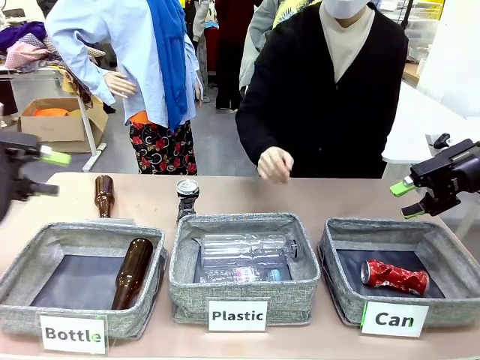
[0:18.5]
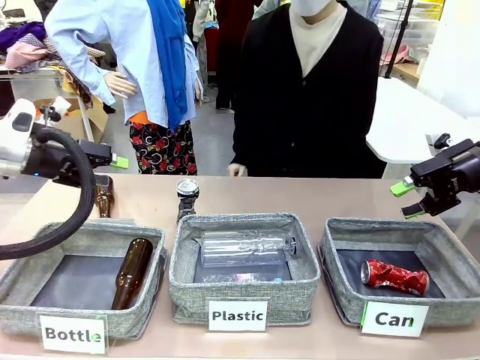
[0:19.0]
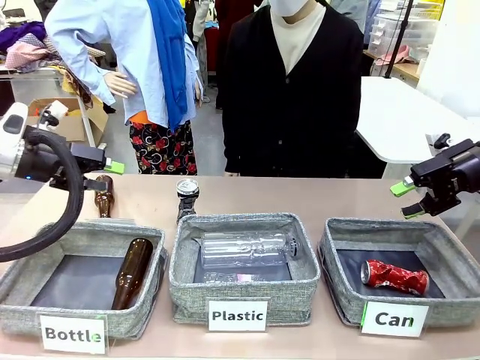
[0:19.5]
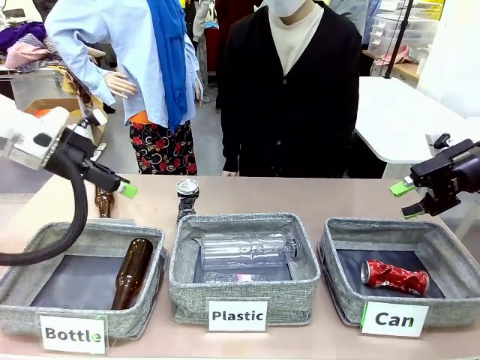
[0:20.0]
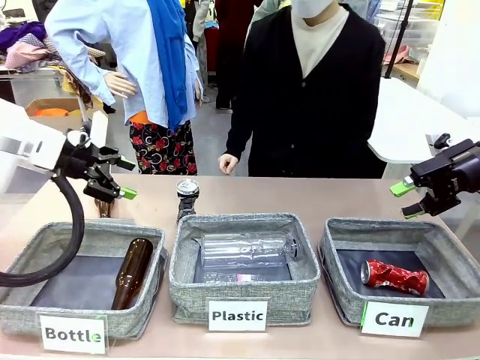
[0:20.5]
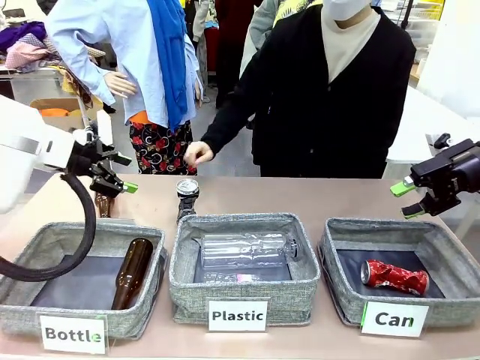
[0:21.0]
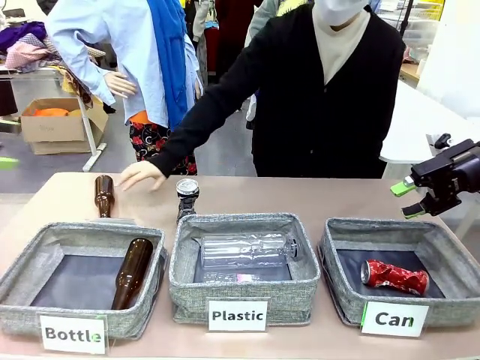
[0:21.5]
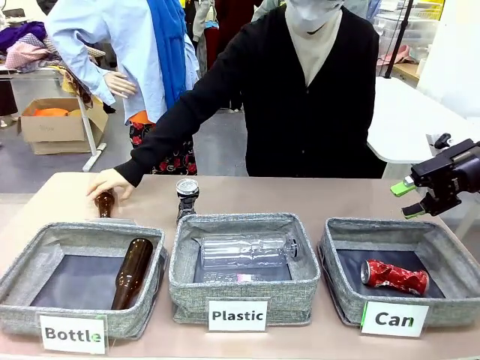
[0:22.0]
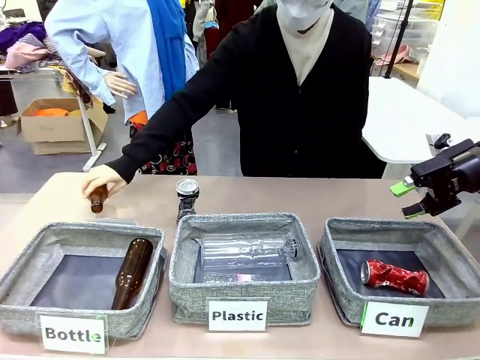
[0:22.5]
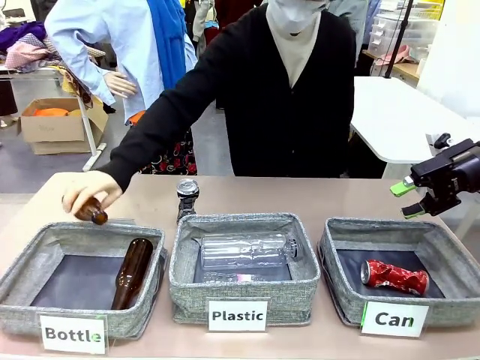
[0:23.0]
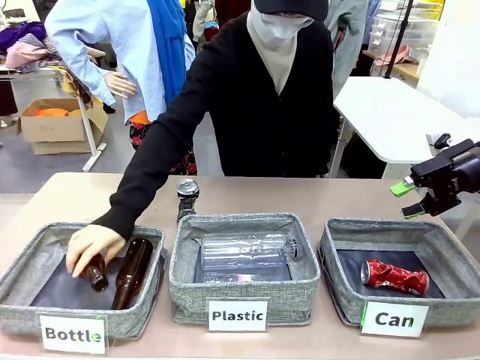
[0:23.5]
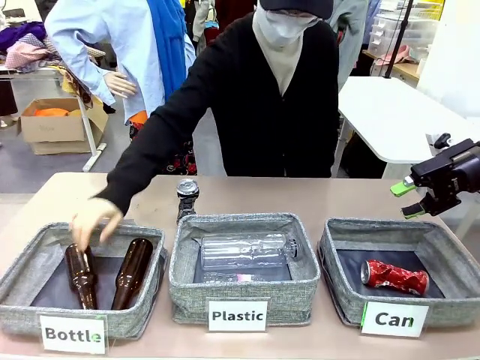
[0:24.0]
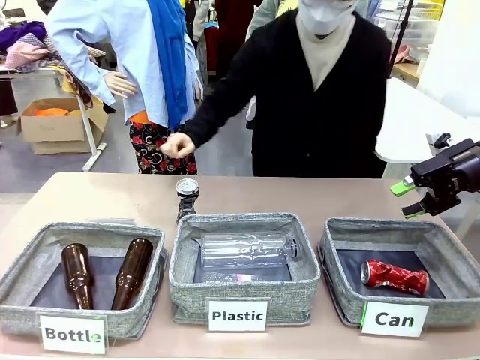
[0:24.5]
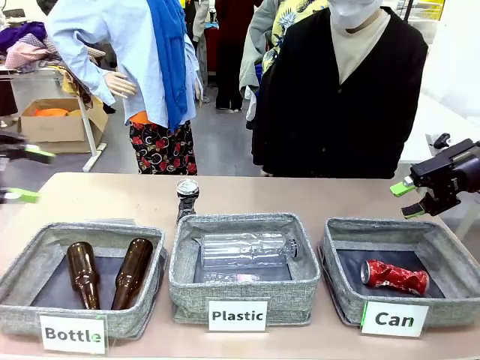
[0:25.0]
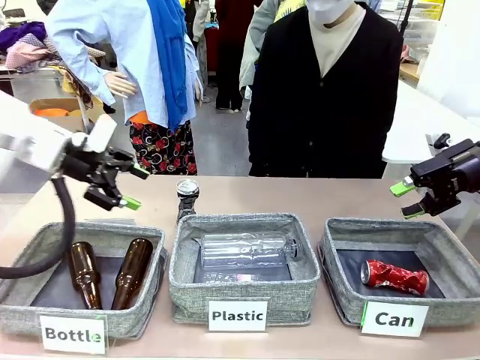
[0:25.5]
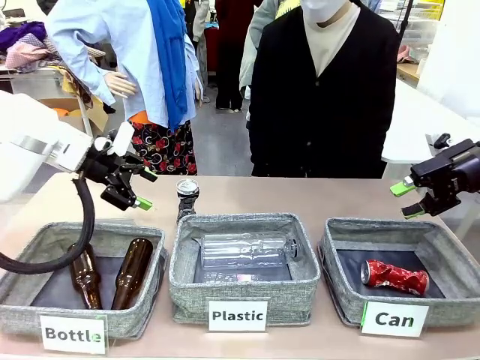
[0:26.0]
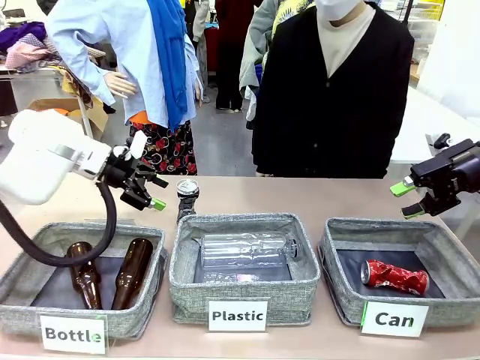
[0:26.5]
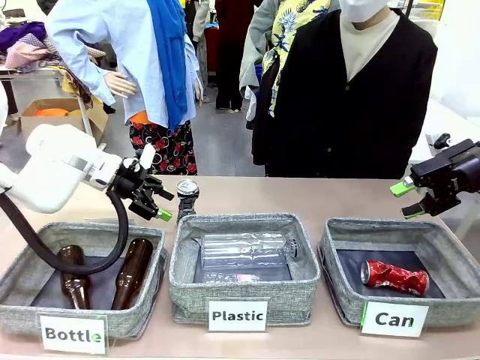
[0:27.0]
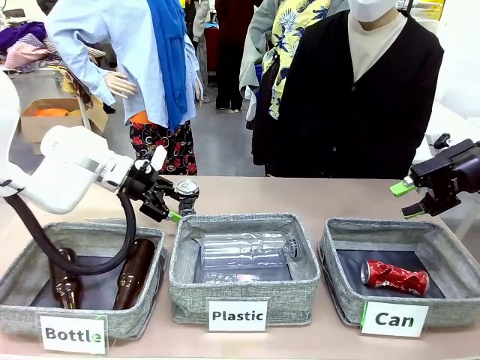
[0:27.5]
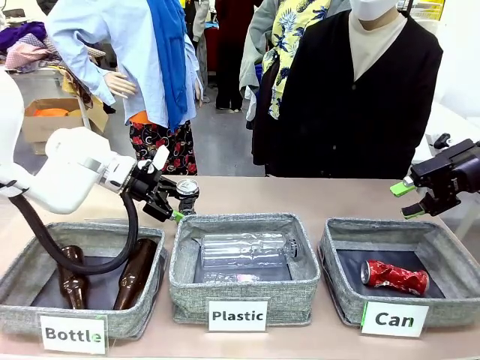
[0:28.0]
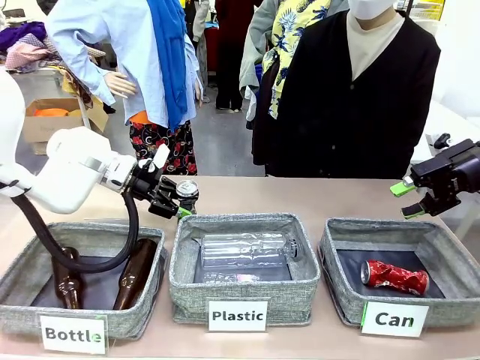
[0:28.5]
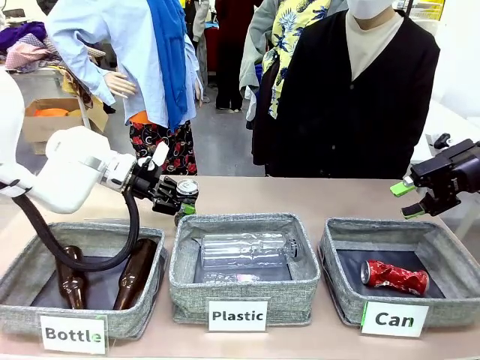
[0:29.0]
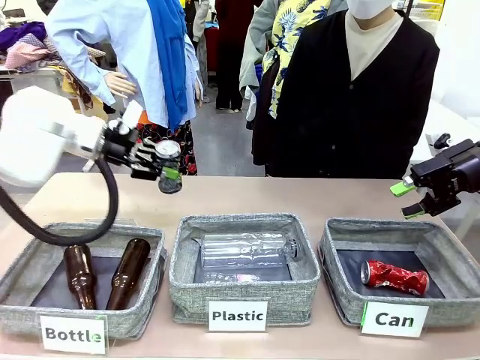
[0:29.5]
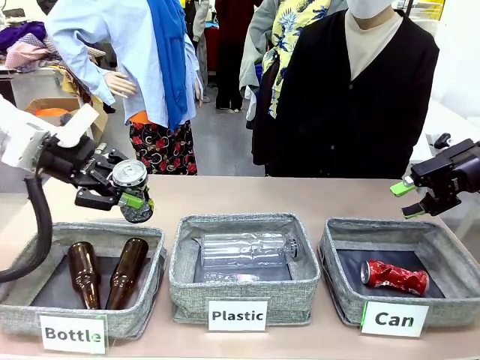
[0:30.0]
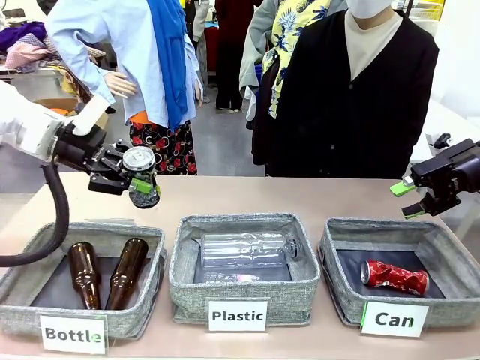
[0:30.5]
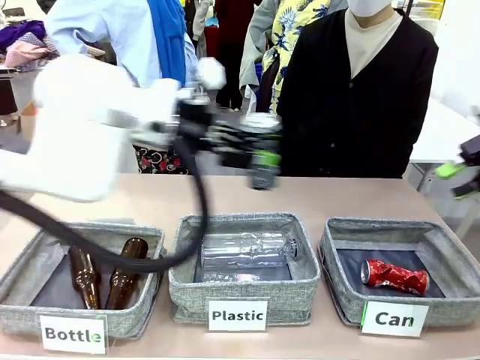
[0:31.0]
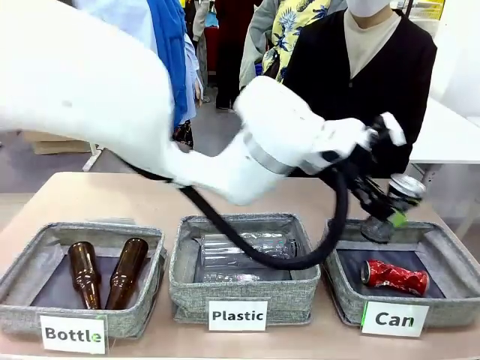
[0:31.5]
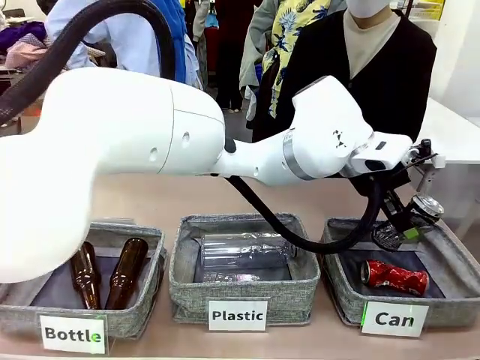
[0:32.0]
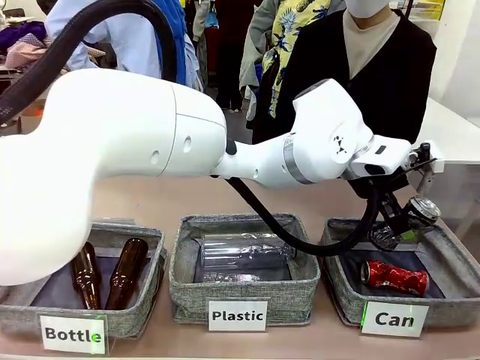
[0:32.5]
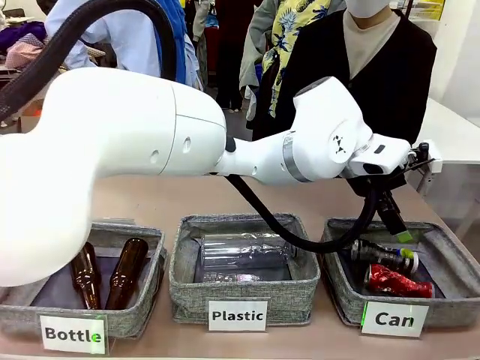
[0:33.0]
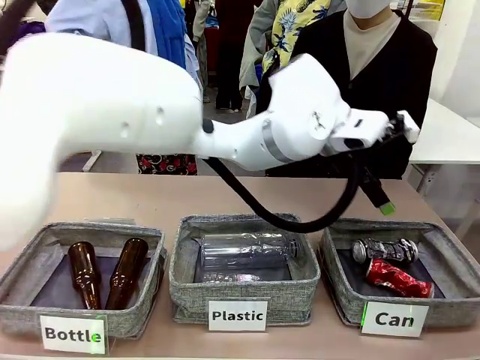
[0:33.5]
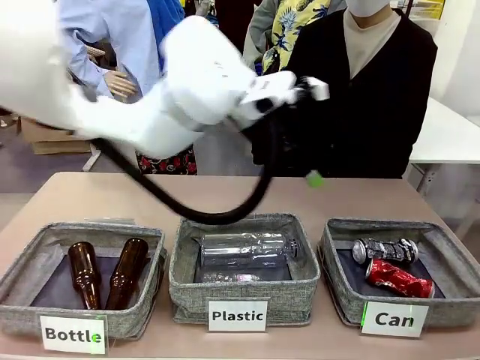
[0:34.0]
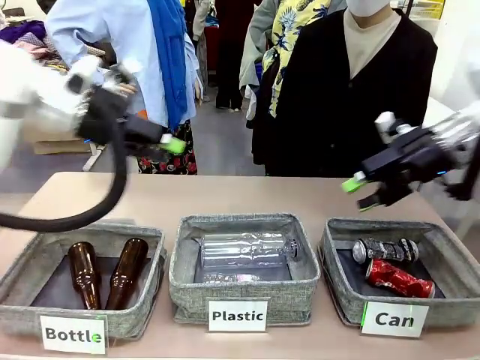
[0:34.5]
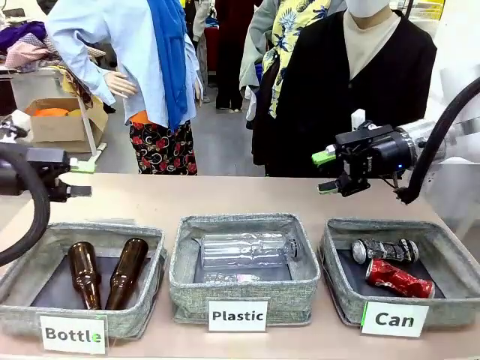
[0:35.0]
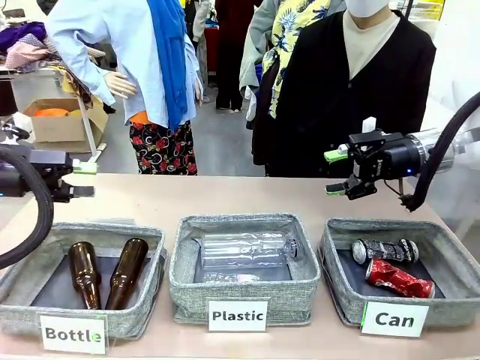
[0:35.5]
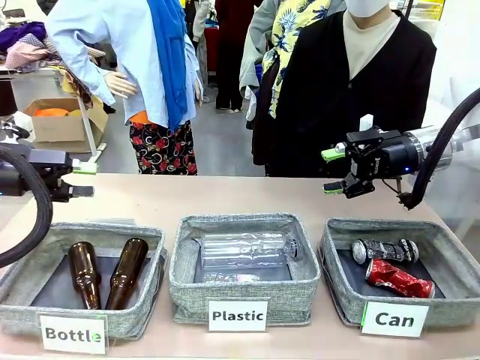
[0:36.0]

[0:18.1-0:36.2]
Task: Sort the can waste into the basket.
Robot: Pick up the can waste from the table and place it in the right Fabric basket.
